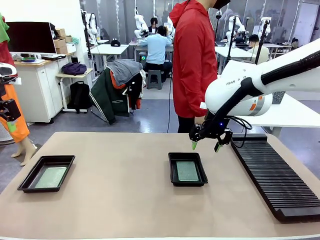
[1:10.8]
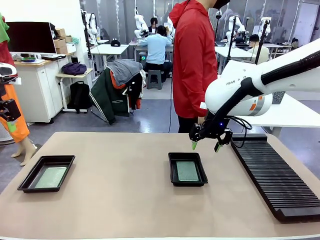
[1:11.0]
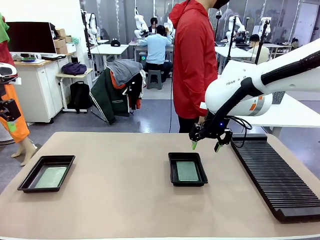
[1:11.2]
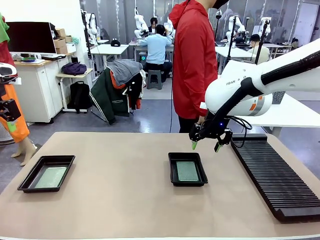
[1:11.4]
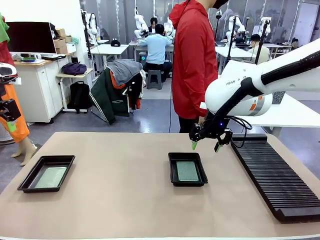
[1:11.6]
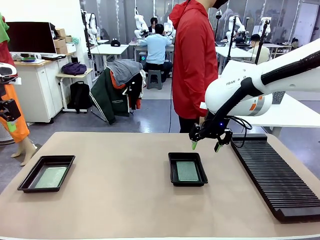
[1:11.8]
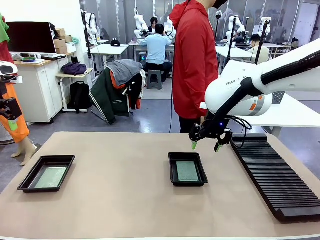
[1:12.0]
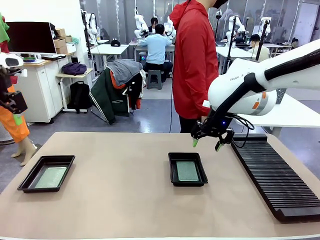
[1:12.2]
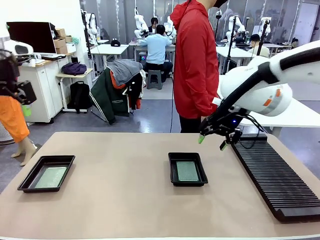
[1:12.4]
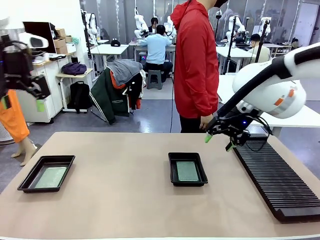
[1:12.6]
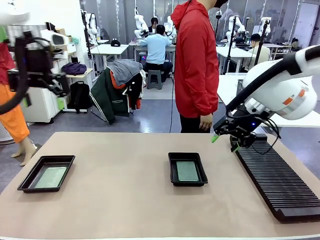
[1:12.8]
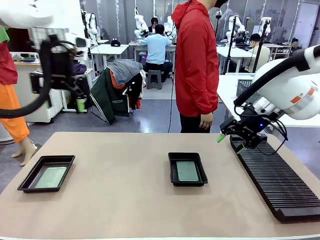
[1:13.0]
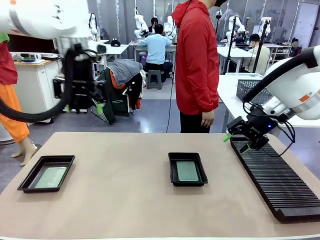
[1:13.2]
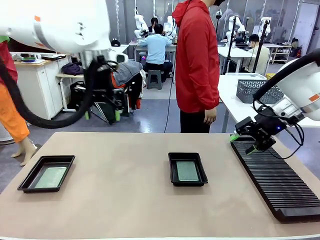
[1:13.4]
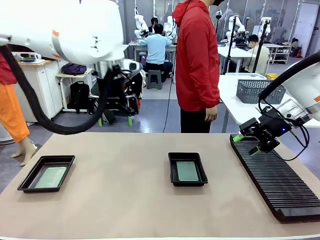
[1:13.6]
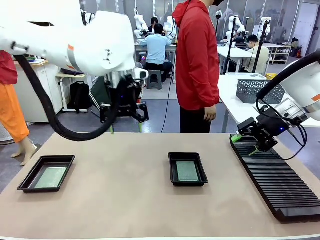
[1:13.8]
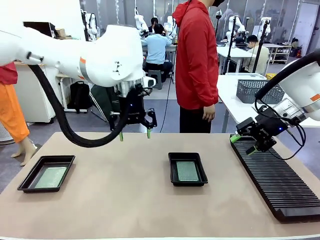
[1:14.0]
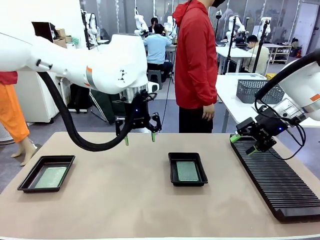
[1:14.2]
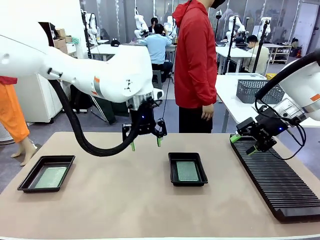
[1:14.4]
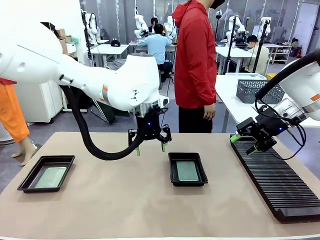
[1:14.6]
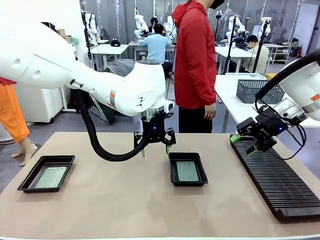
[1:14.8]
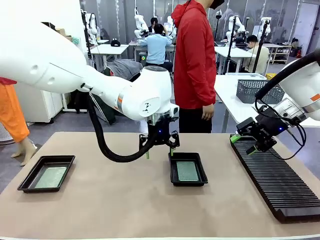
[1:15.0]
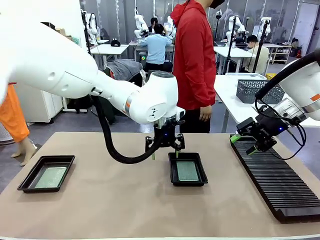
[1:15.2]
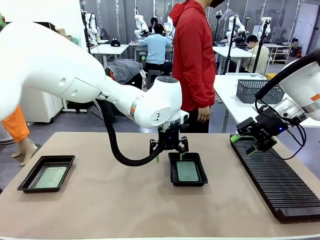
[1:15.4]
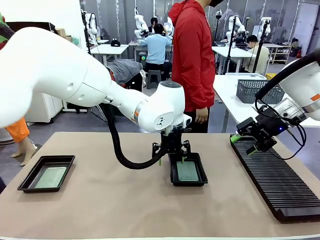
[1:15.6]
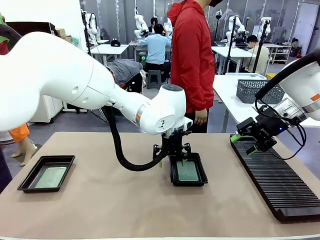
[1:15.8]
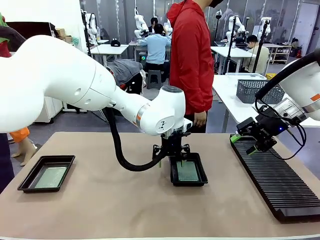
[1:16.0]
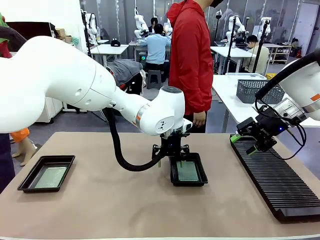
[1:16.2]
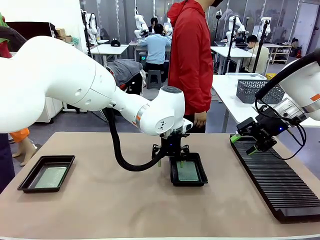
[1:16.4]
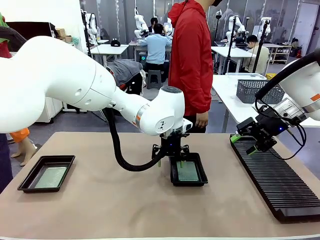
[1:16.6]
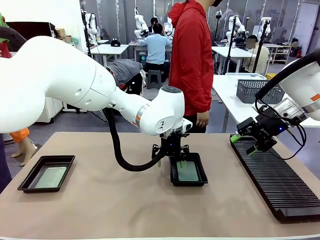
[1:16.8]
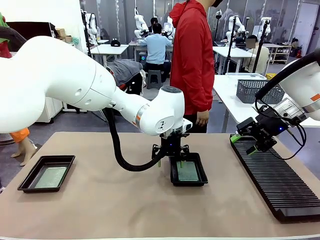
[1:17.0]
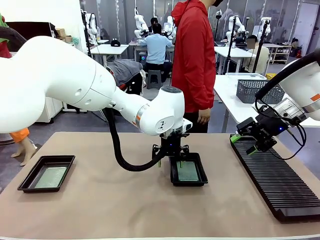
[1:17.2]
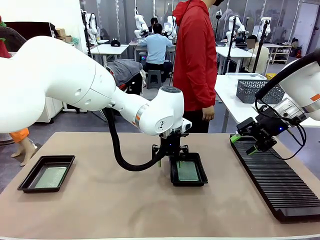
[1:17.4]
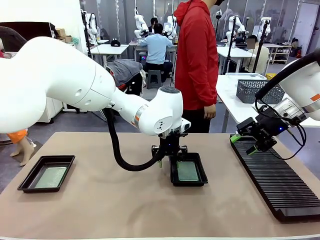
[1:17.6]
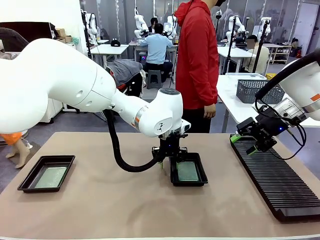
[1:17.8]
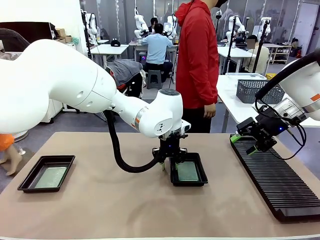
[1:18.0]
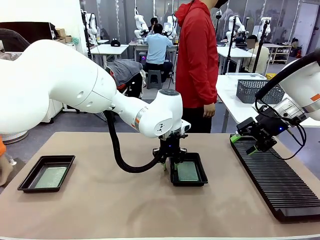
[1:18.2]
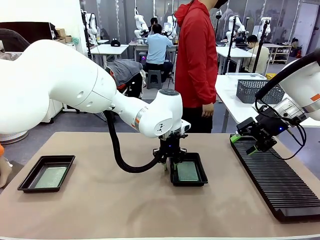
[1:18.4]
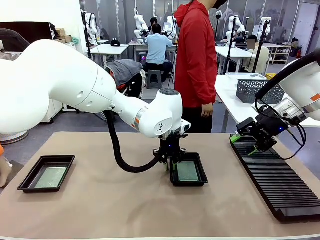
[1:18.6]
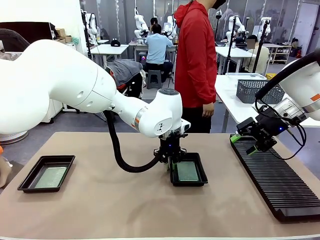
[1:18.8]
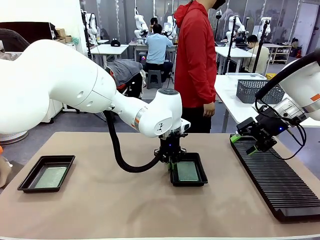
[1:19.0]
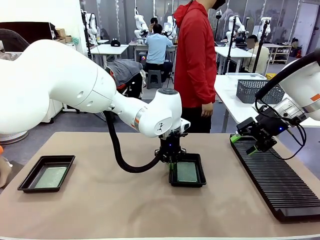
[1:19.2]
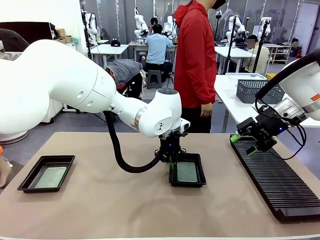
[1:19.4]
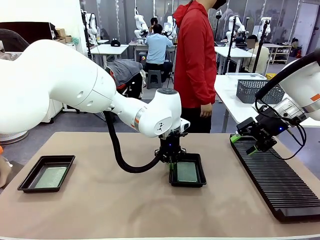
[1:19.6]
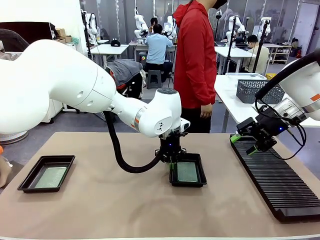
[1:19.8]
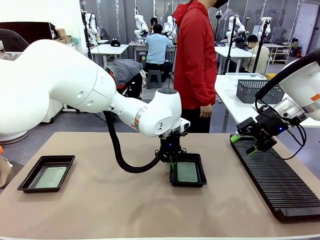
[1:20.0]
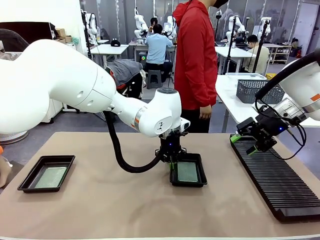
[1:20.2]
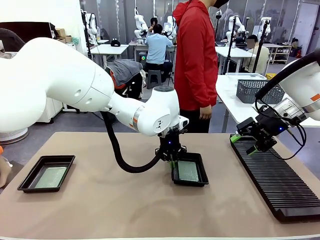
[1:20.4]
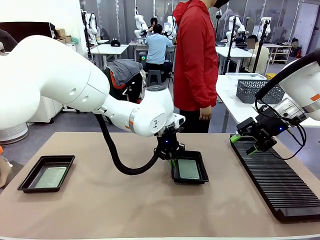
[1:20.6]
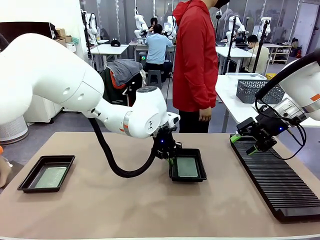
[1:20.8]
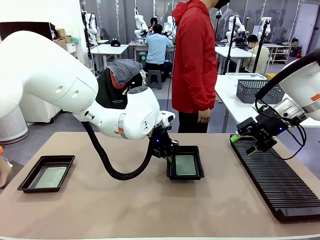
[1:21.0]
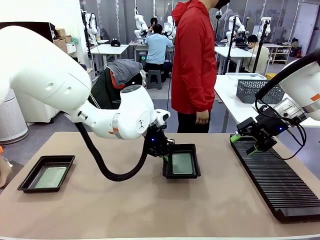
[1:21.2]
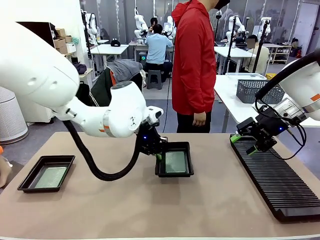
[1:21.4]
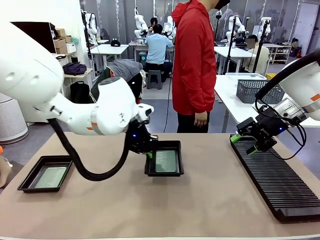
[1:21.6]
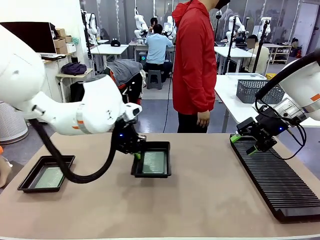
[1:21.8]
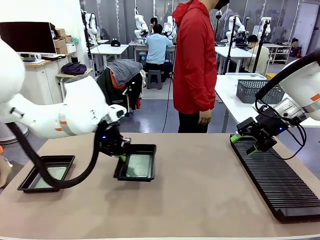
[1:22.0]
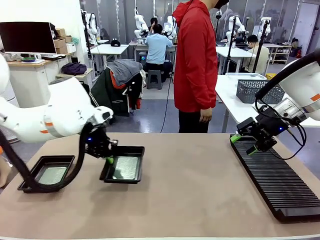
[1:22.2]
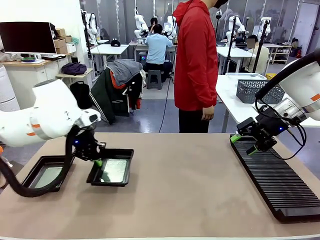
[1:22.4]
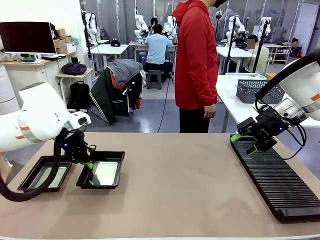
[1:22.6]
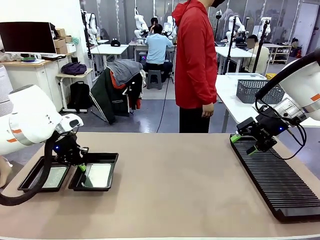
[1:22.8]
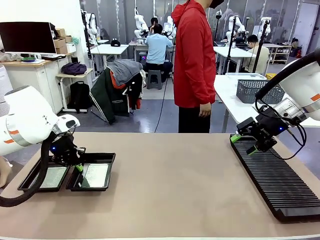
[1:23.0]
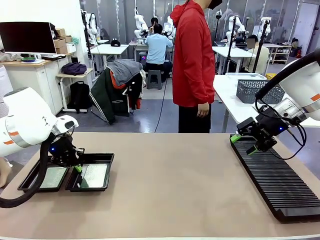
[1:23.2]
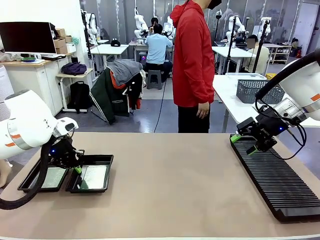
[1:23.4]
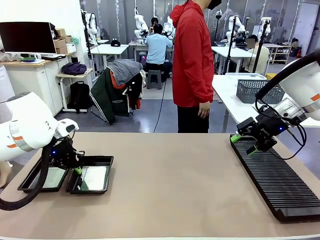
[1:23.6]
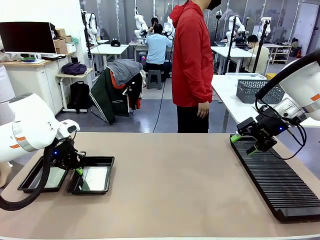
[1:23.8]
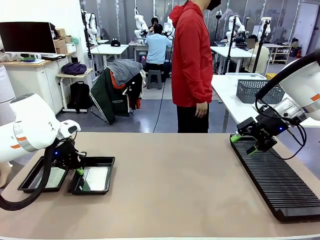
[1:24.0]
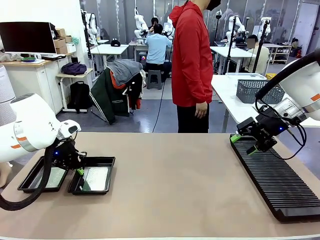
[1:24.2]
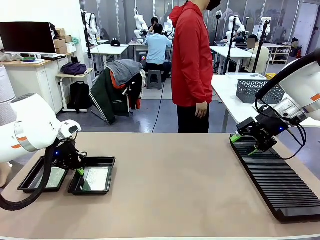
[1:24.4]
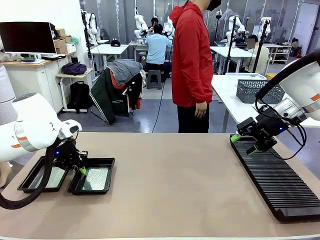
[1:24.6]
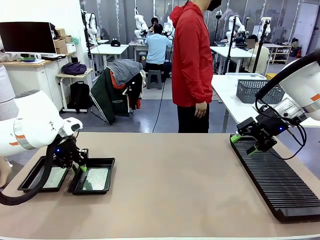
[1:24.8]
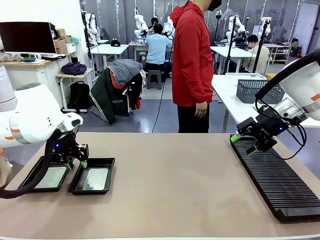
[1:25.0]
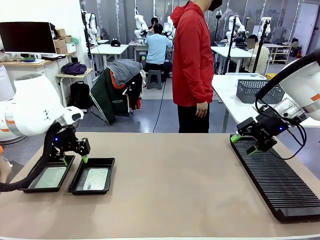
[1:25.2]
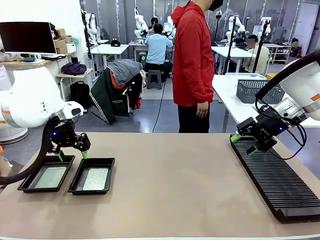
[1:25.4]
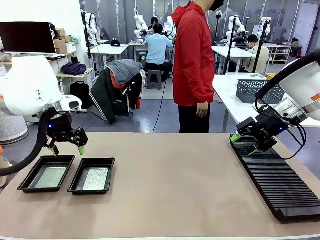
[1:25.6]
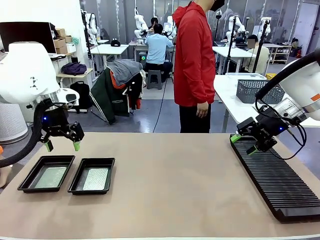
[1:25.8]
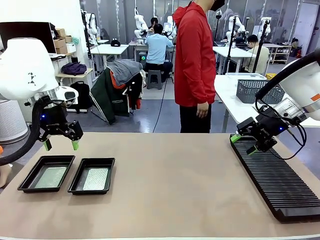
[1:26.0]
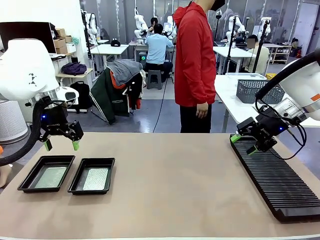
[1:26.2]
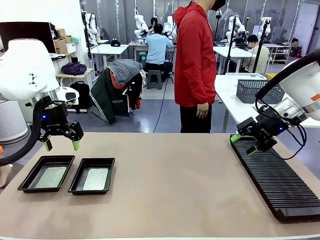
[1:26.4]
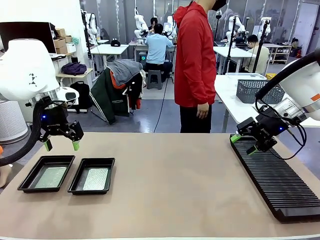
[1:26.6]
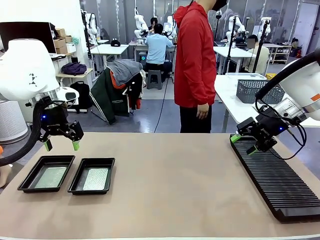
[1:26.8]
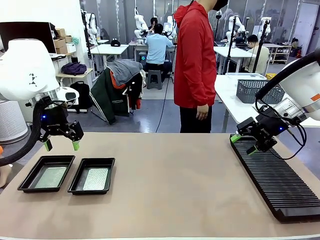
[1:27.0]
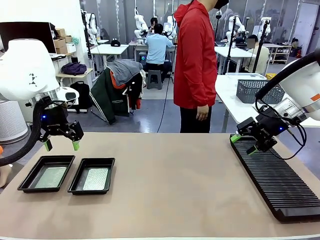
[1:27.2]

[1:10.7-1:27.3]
Task: Inspect and transfer BCBs to ESD trays.
Robot: Pick up the ESD tray and place it on the left side of the table.
